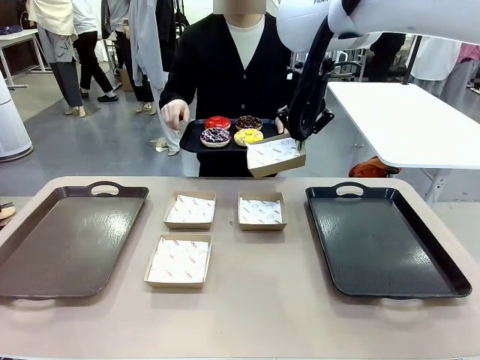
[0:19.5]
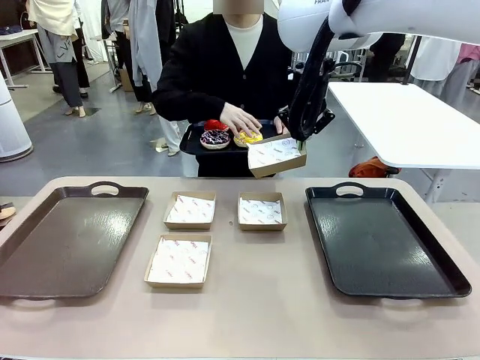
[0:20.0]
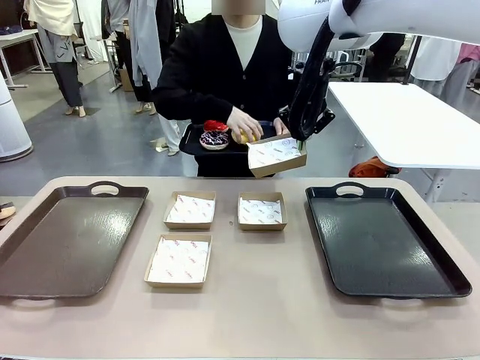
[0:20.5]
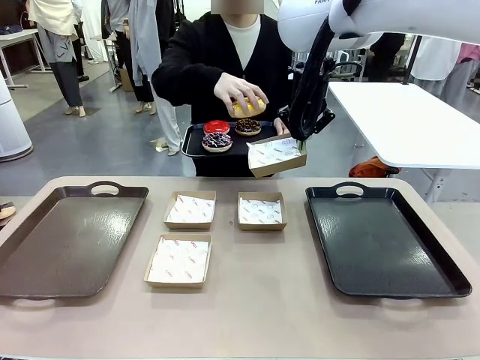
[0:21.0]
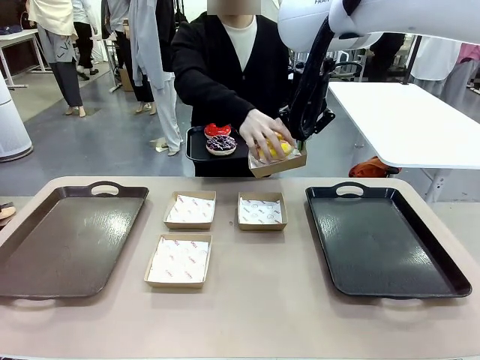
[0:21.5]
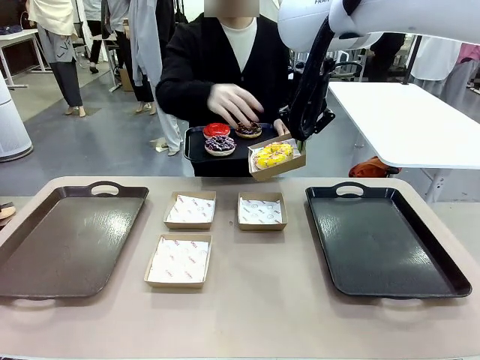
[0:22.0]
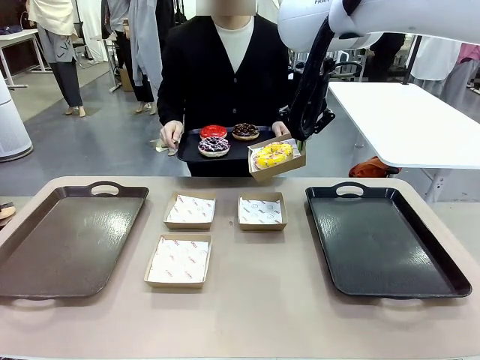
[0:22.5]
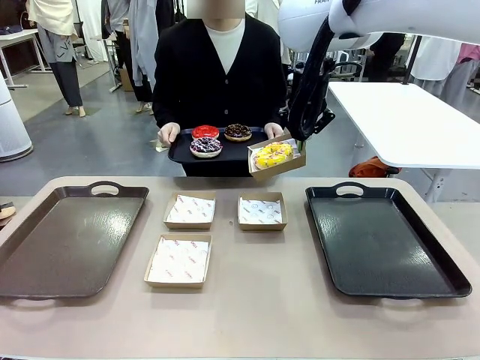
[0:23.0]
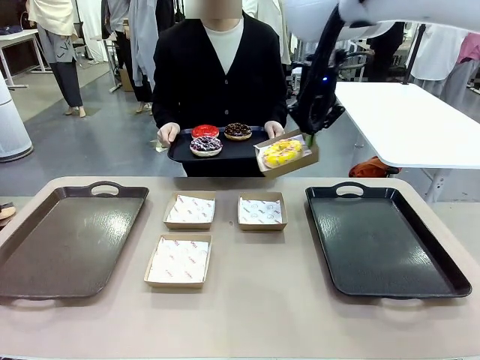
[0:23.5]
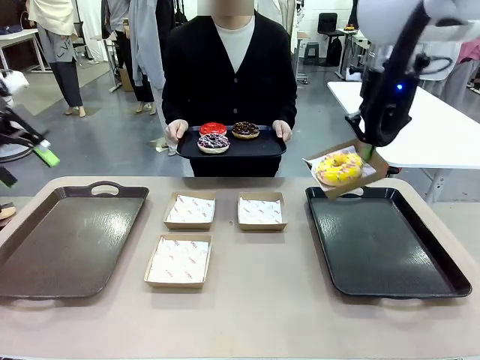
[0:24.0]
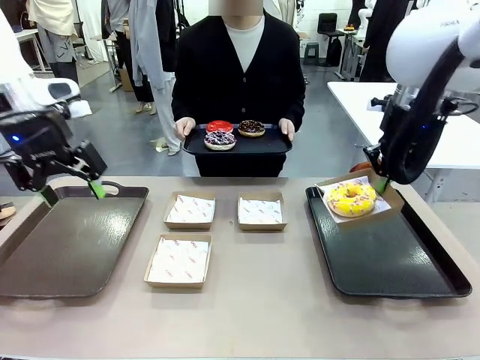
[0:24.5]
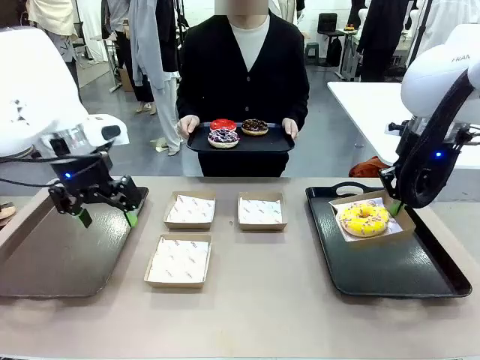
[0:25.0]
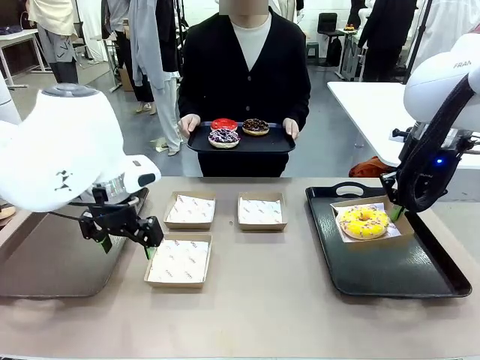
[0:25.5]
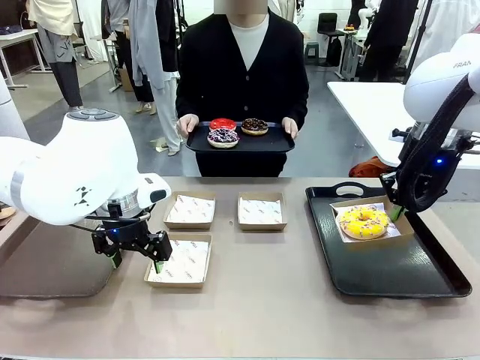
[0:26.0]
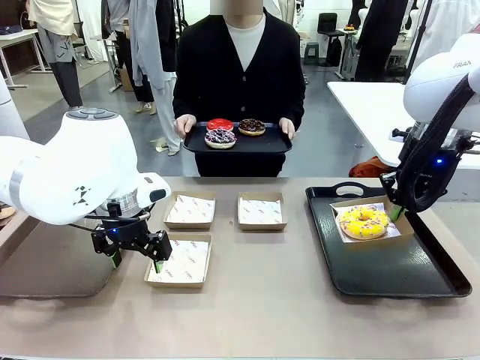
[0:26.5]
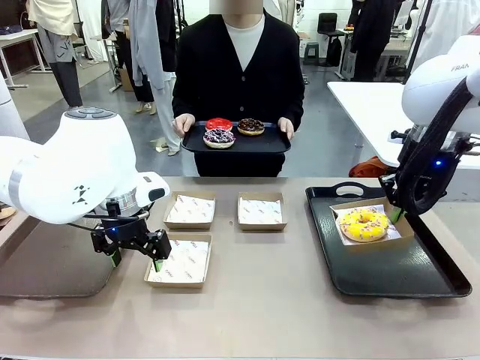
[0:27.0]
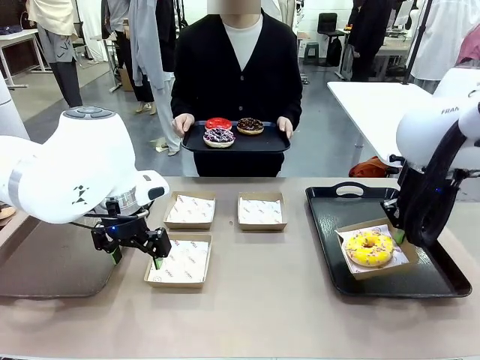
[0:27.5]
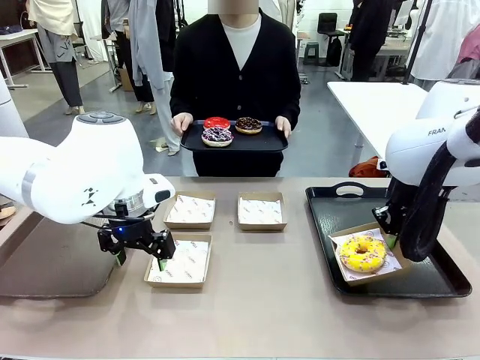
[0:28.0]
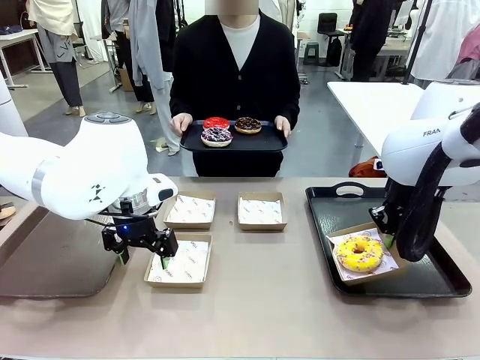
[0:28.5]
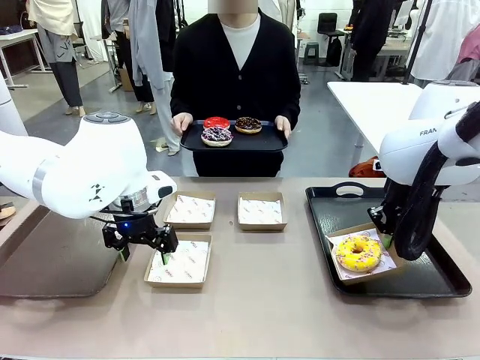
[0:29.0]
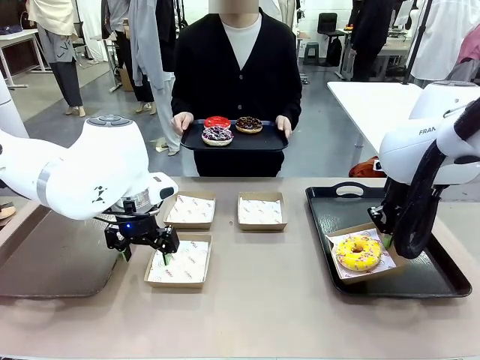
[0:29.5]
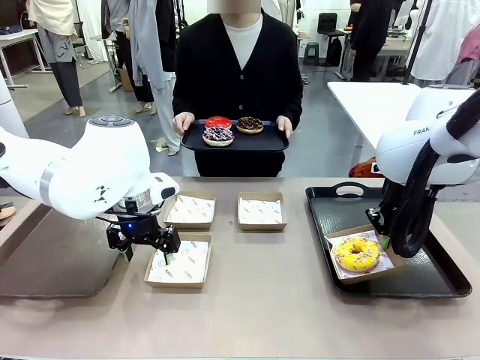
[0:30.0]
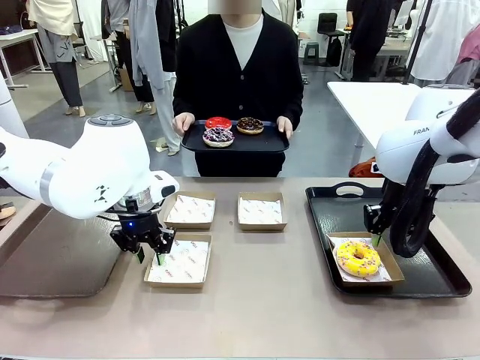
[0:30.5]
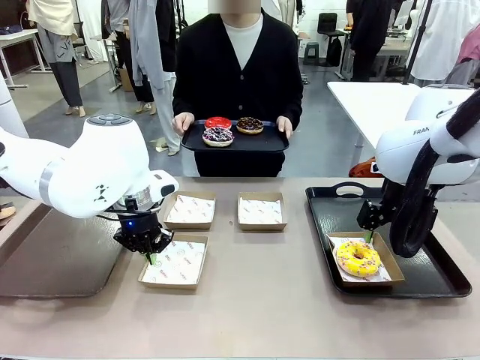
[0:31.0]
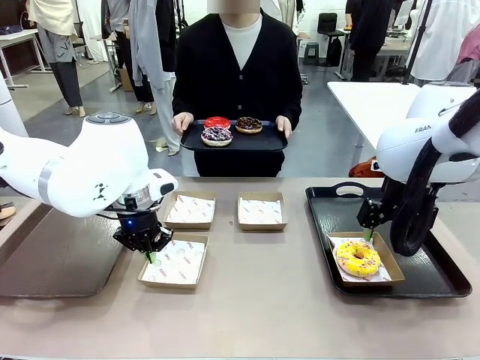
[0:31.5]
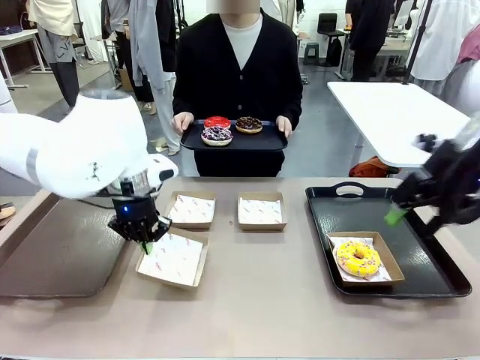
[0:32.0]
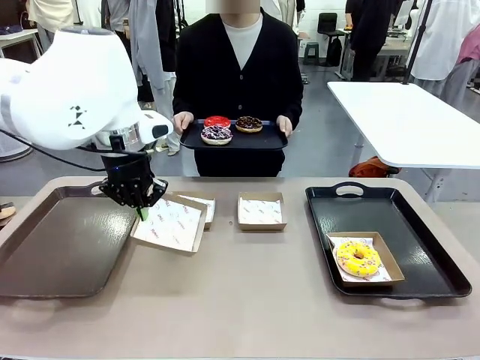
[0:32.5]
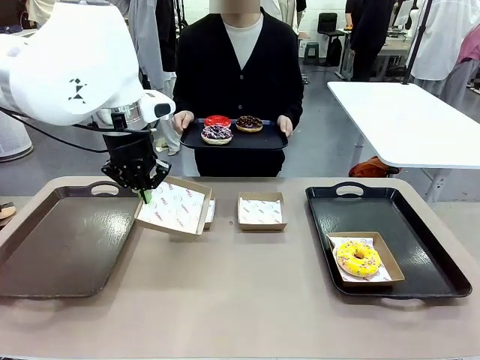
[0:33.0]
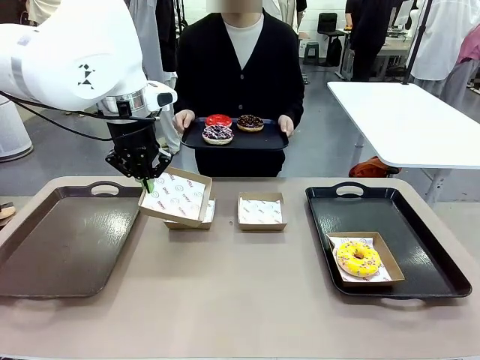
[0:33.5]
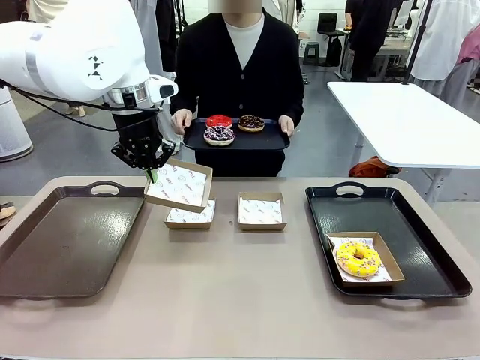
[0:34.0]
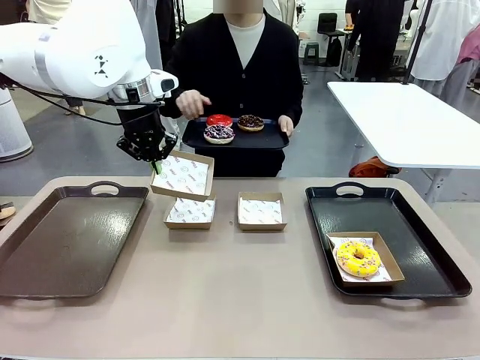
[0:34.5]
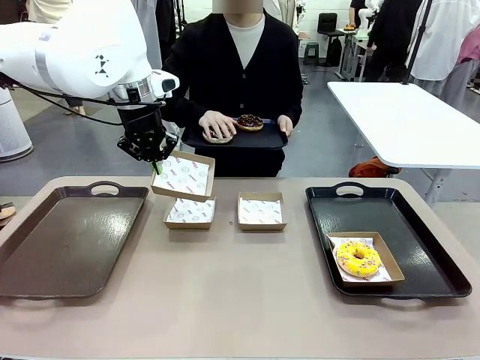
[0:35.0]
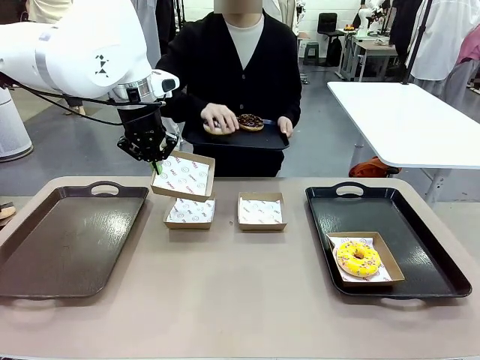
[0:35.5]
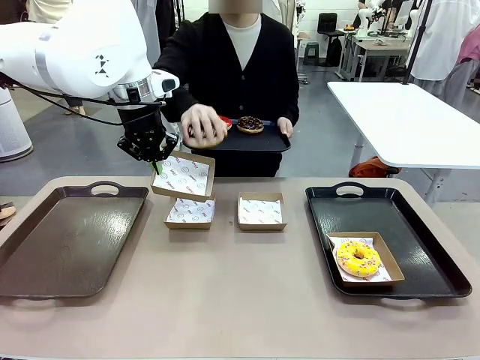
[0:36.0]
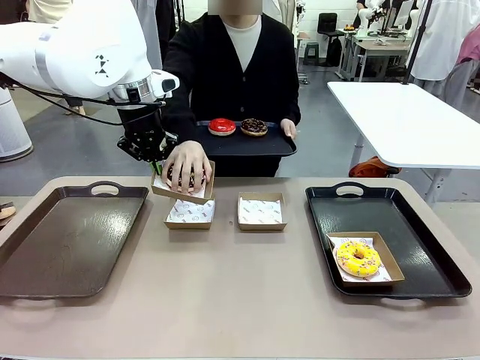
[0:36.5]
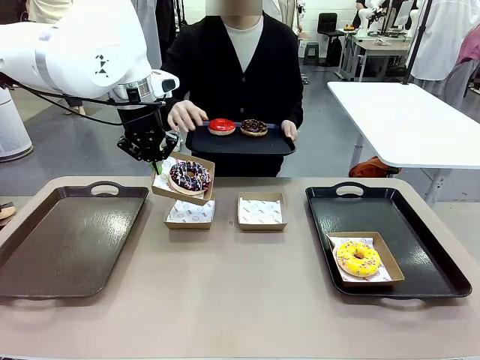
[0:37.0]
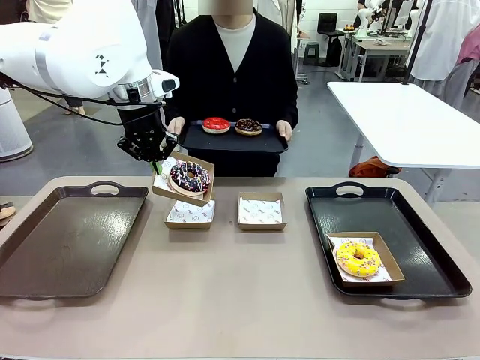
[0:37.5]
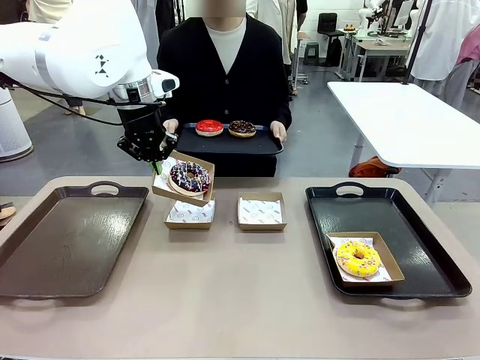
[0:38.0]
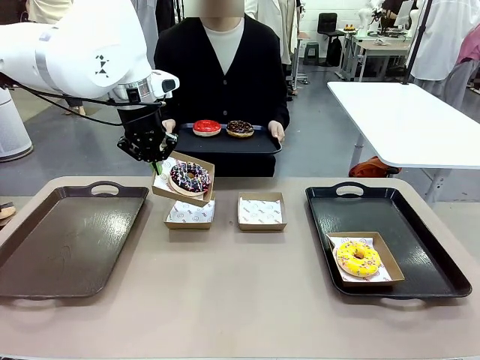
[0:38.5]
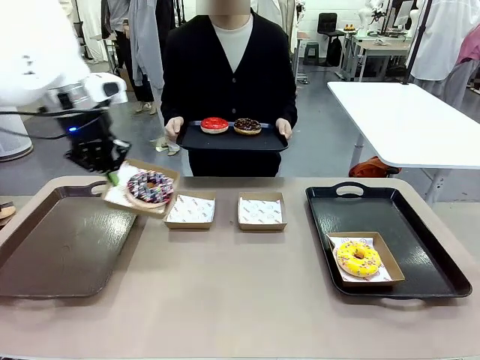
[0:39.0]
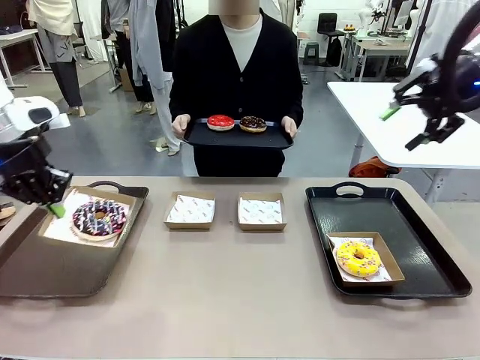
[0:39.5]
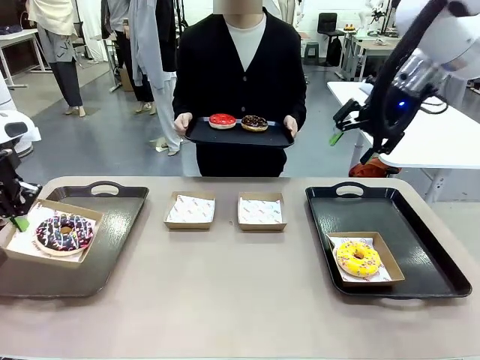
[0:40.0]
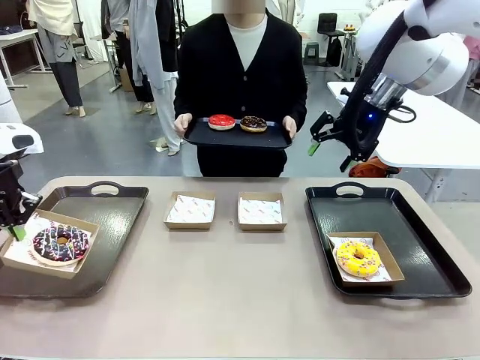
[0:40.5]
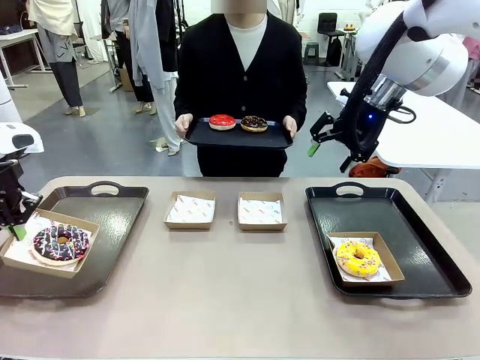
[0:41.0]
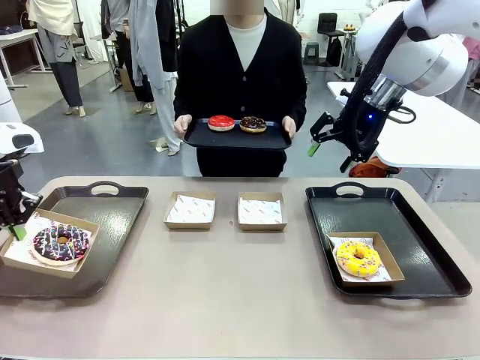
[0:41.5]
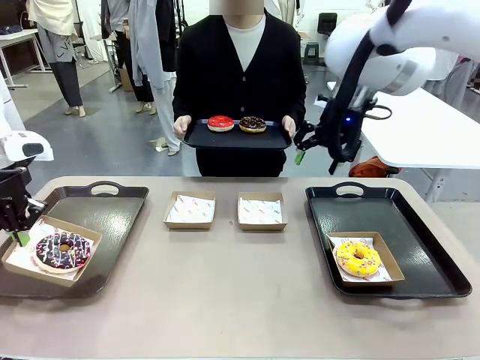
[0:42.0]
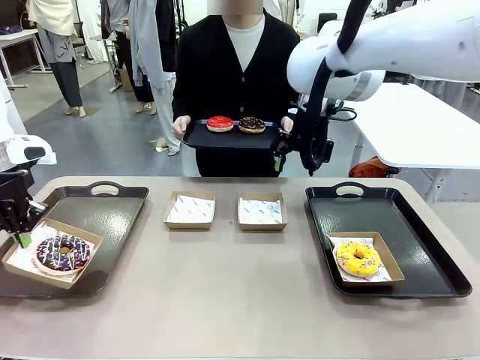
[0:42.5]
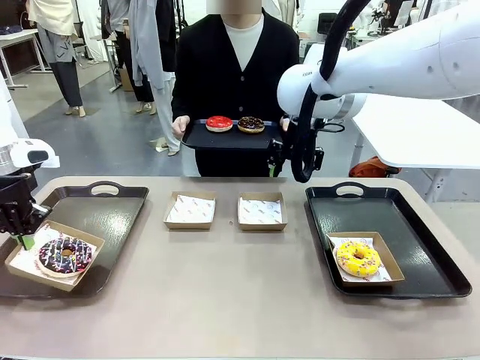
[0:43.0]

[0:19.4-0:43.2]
Task: Individually package the donuts and arrange them on the tray.
Robot: Place the picked Paper togo box on the Handle tray while simultaneously picking up another Paper togo box from the table with the other hand.
